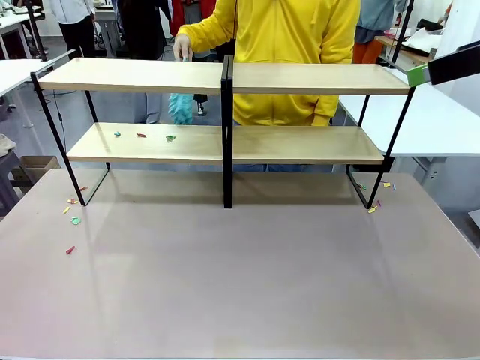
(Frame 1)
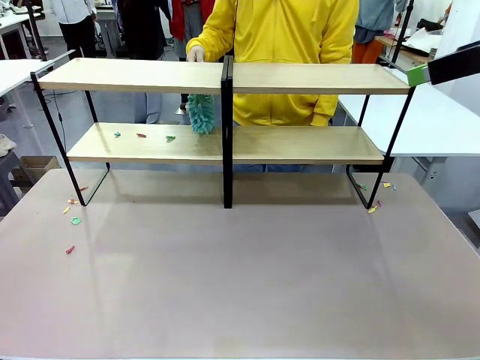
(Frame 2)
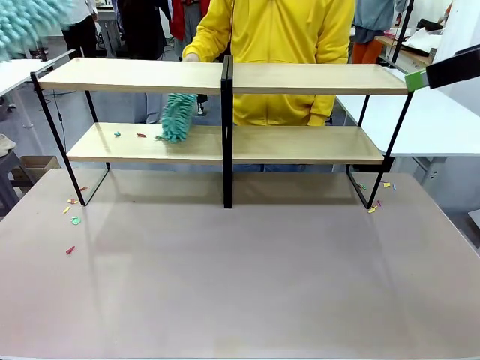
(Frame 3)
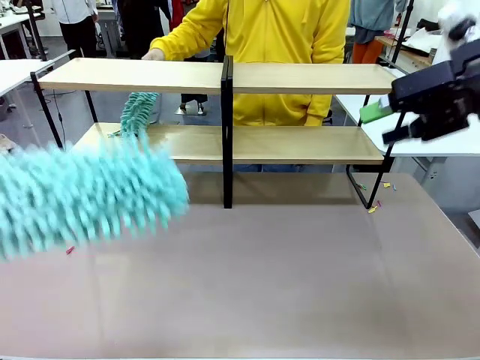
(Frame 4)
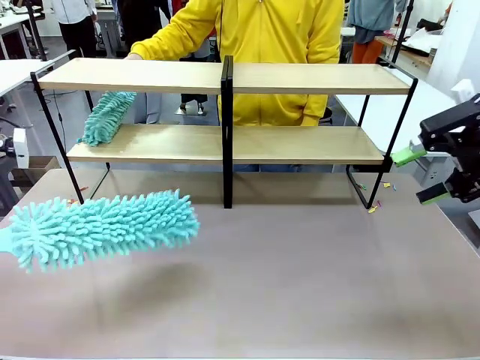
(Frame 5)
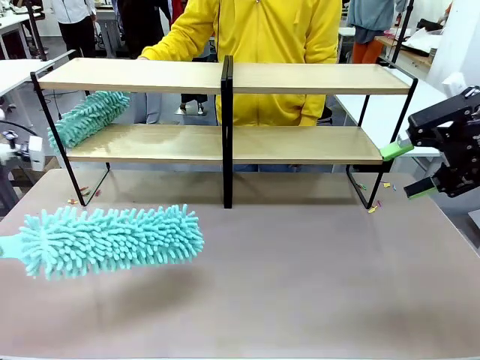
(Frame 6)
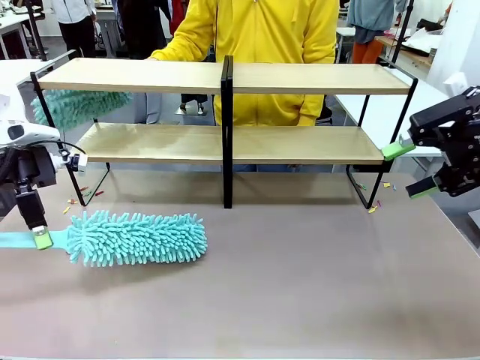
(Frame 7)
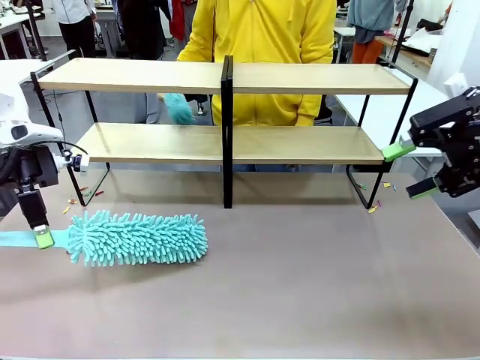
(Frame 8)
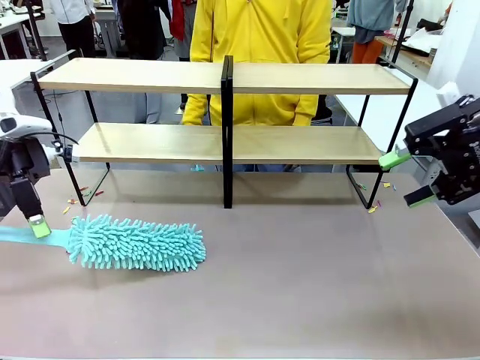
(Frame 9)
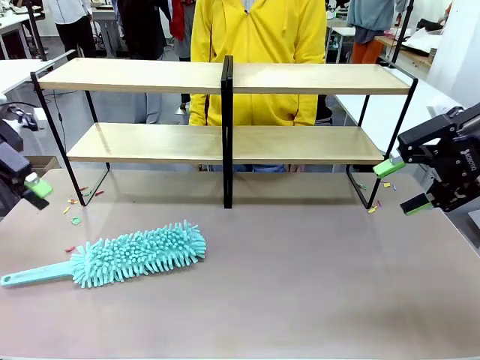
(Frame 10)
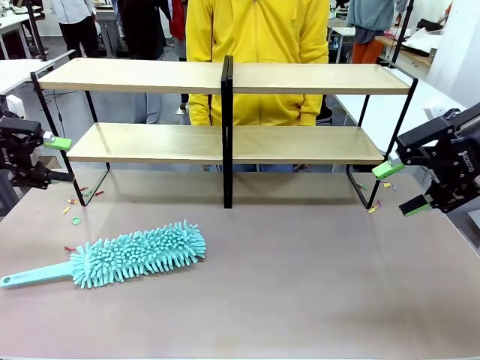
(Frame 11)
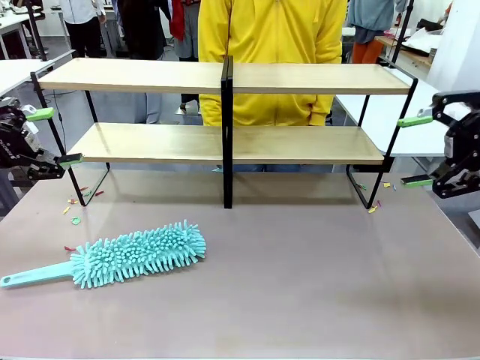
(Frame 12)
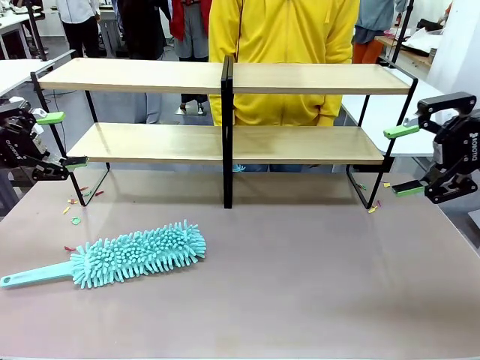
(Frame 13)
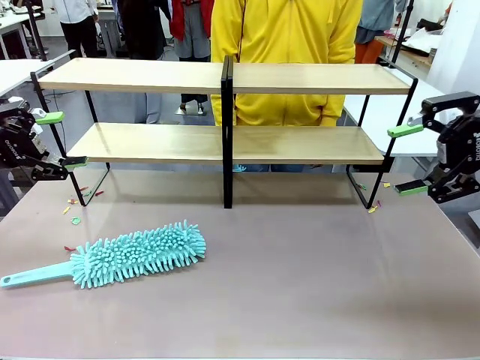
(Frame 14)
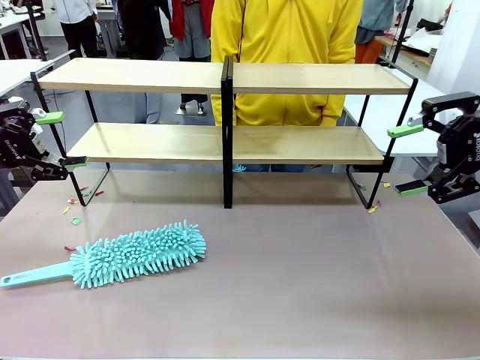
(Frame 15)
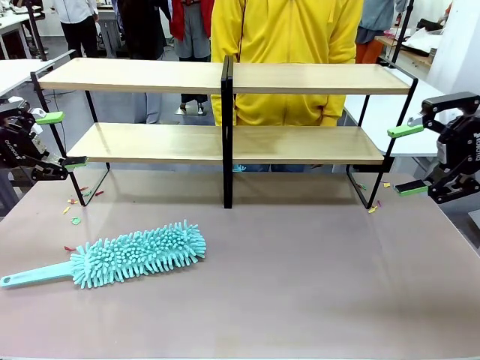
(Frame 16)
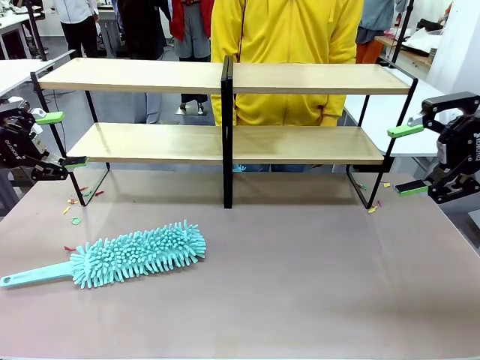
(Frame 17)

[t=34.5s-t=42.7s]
Task: Clean the shelves.
Robot: Place the Duster on the table.

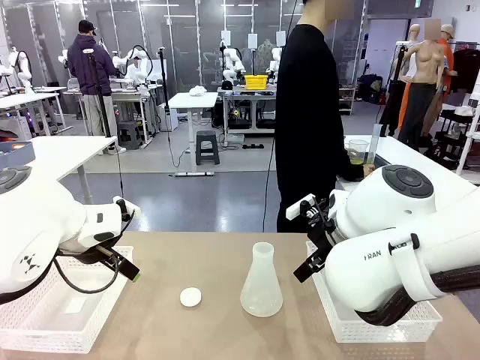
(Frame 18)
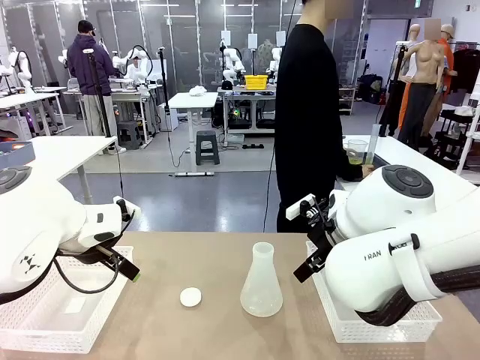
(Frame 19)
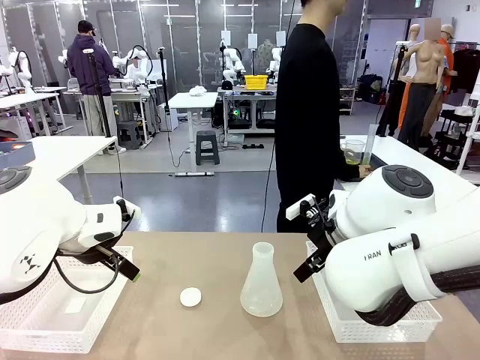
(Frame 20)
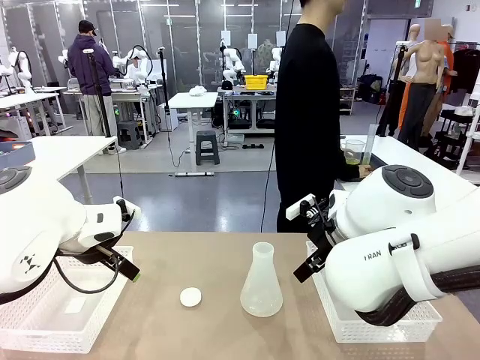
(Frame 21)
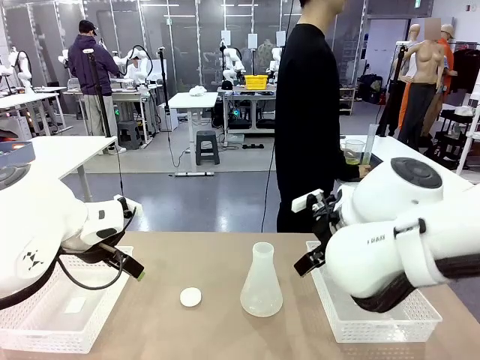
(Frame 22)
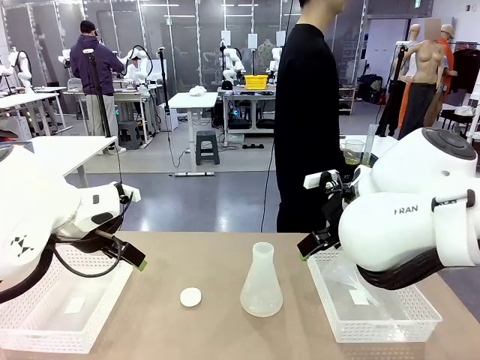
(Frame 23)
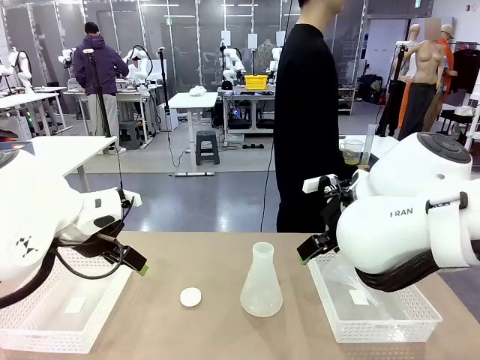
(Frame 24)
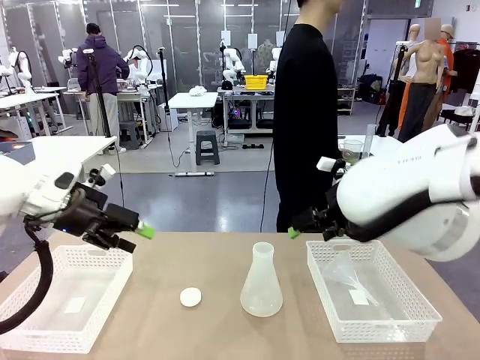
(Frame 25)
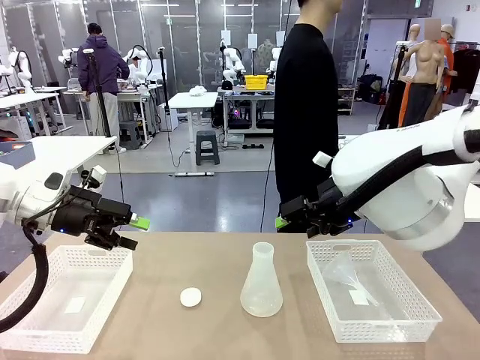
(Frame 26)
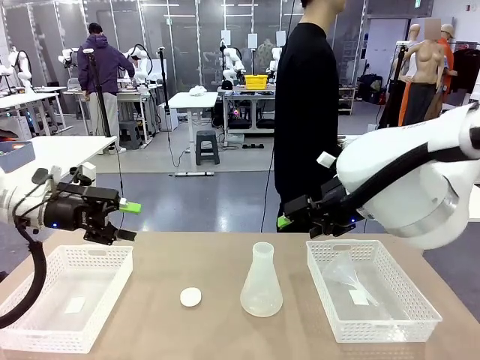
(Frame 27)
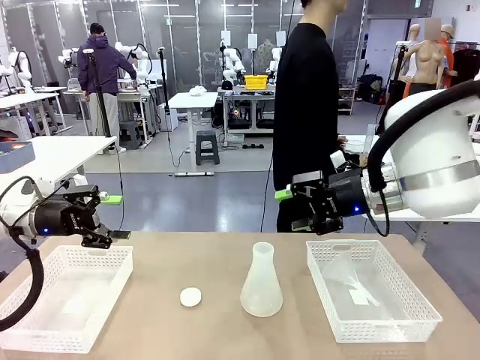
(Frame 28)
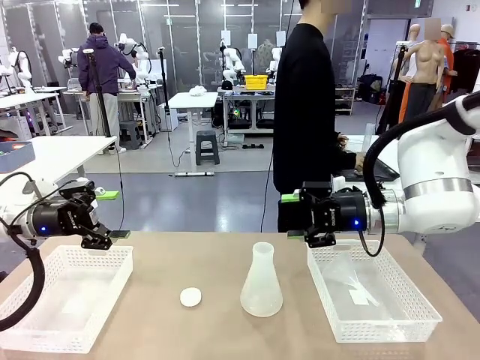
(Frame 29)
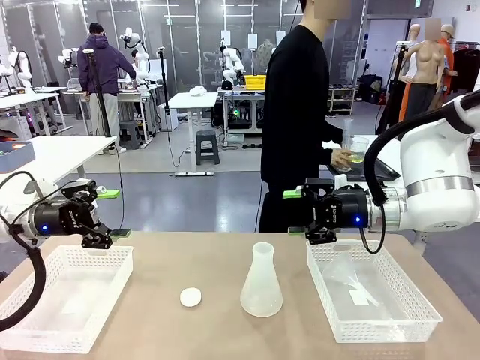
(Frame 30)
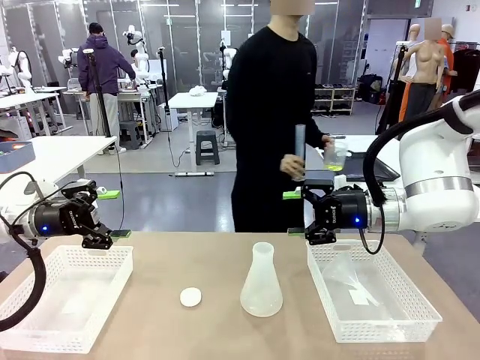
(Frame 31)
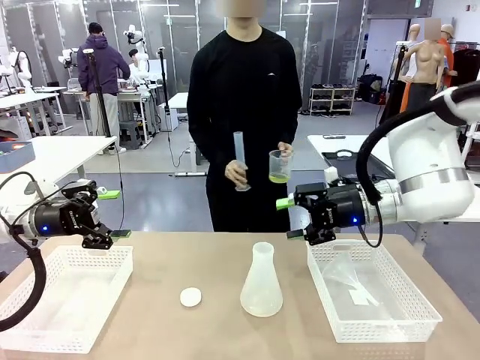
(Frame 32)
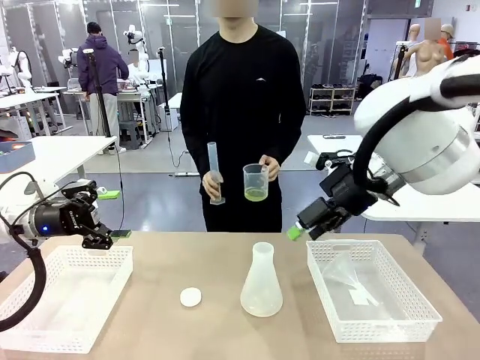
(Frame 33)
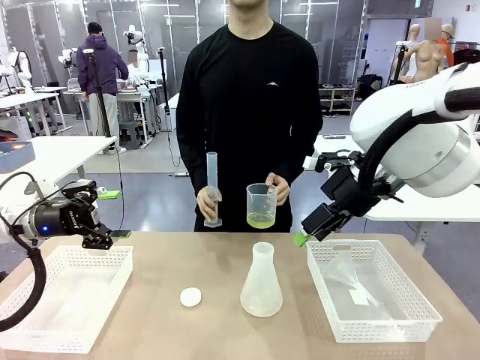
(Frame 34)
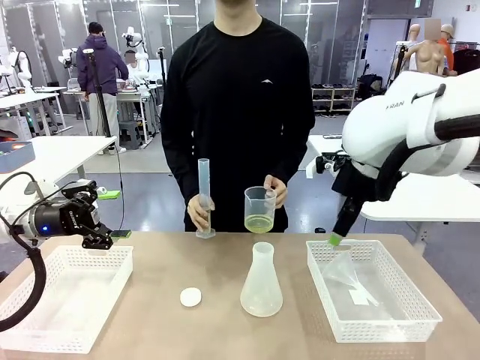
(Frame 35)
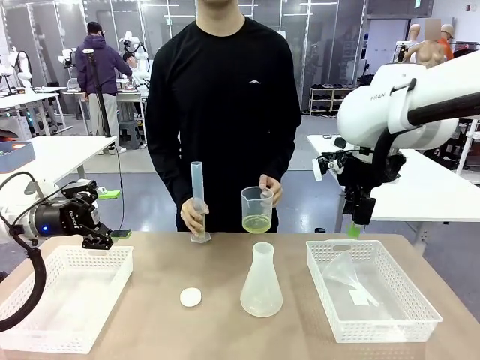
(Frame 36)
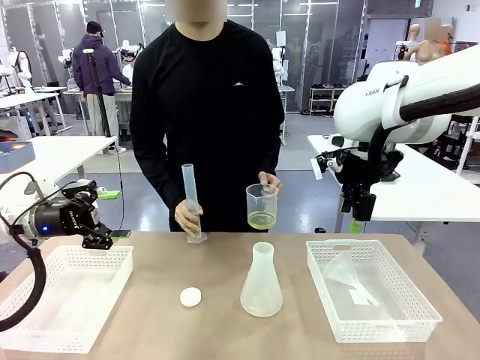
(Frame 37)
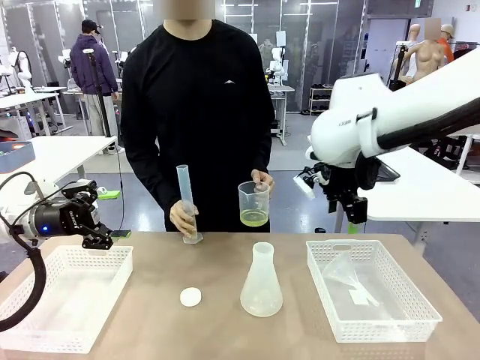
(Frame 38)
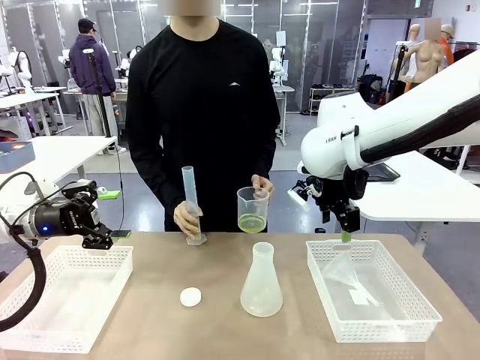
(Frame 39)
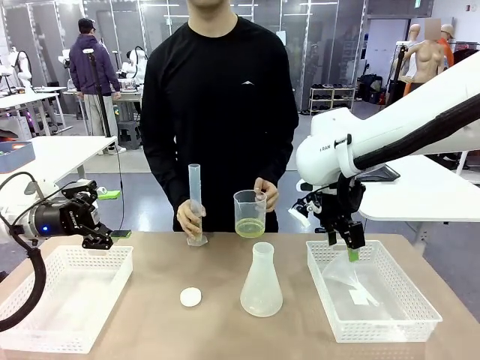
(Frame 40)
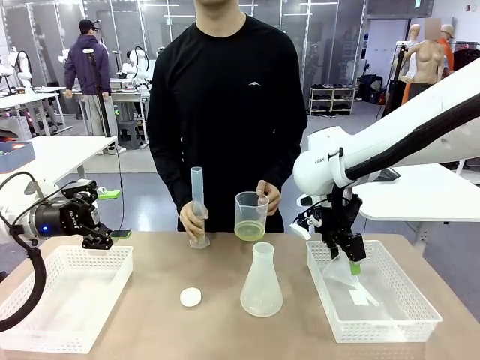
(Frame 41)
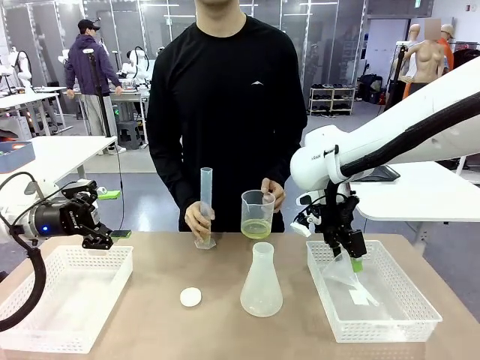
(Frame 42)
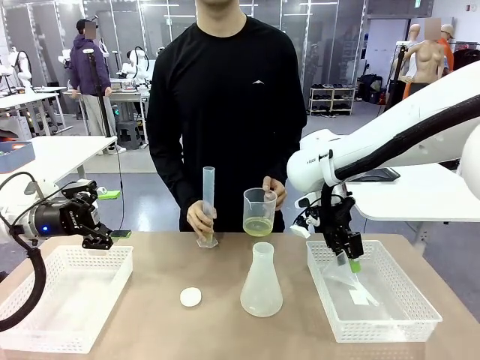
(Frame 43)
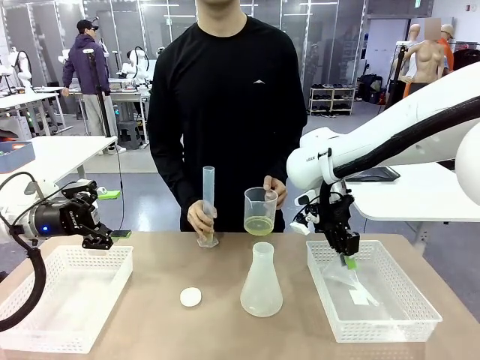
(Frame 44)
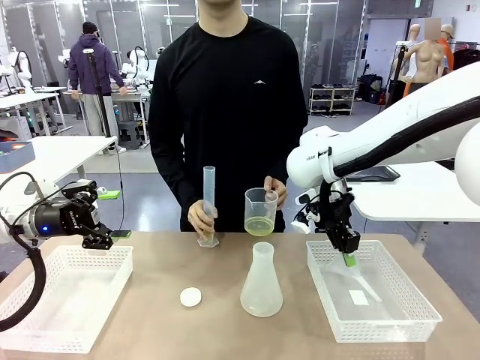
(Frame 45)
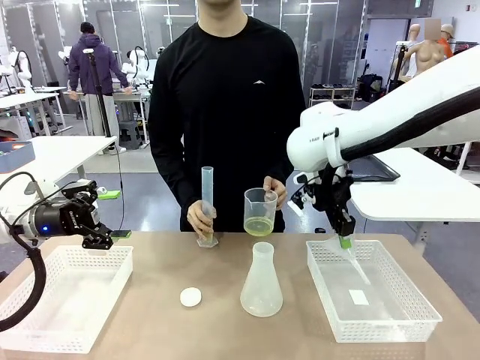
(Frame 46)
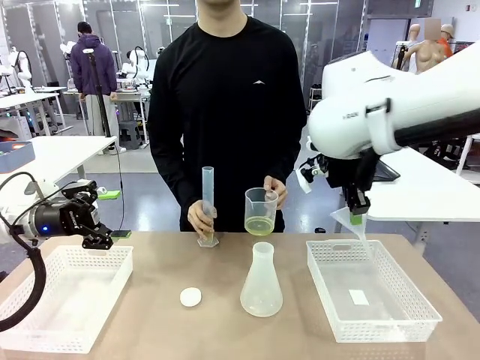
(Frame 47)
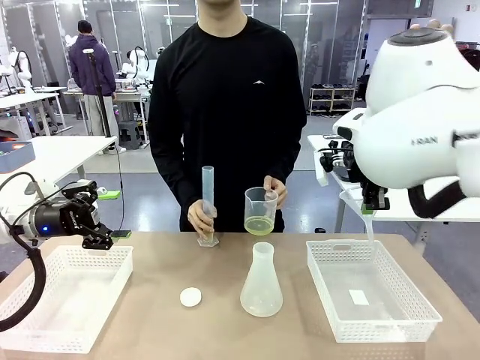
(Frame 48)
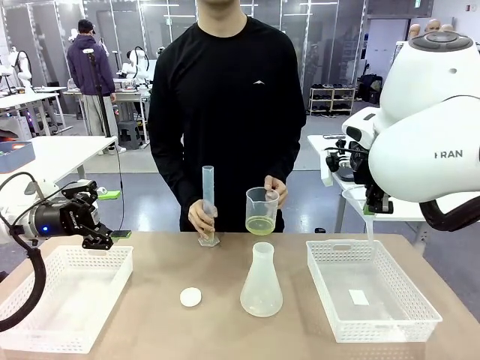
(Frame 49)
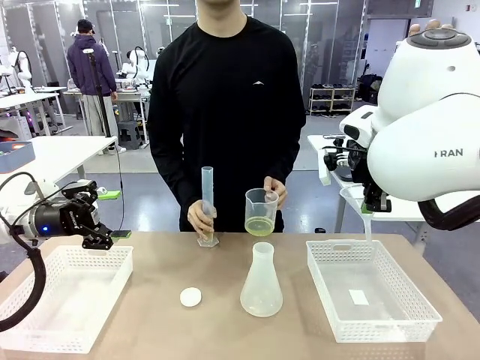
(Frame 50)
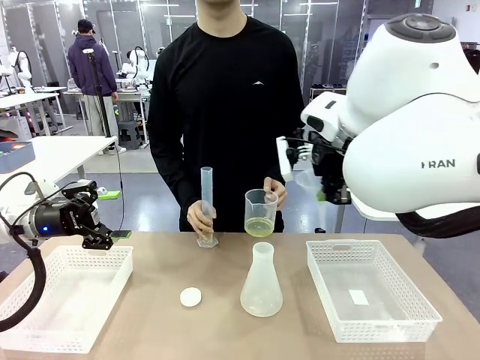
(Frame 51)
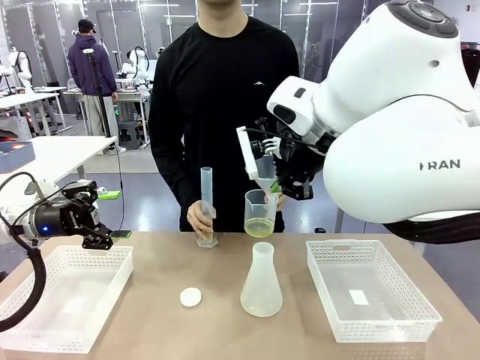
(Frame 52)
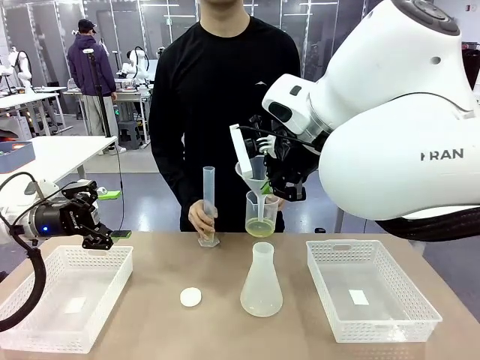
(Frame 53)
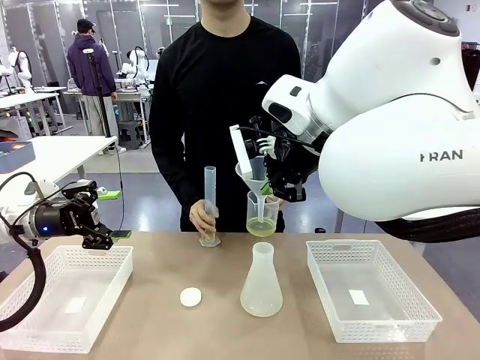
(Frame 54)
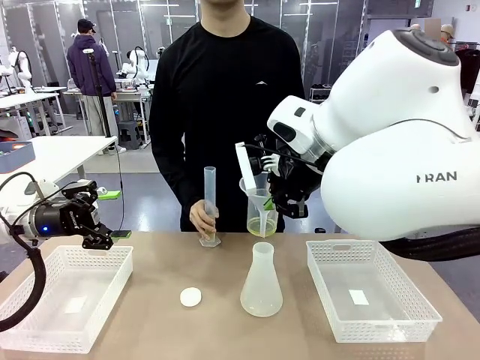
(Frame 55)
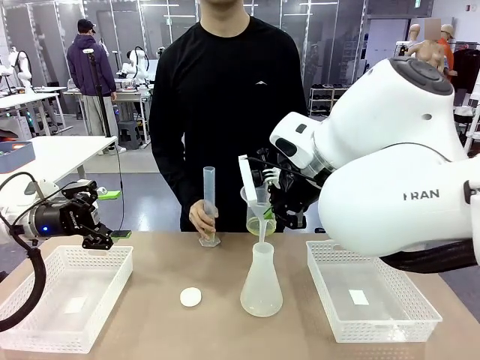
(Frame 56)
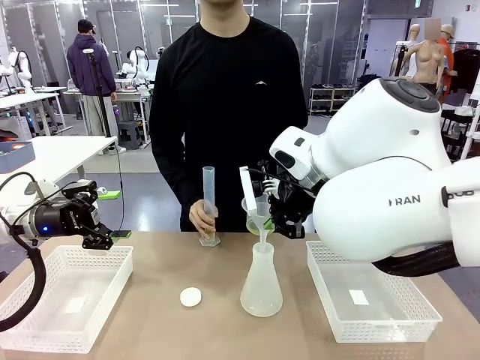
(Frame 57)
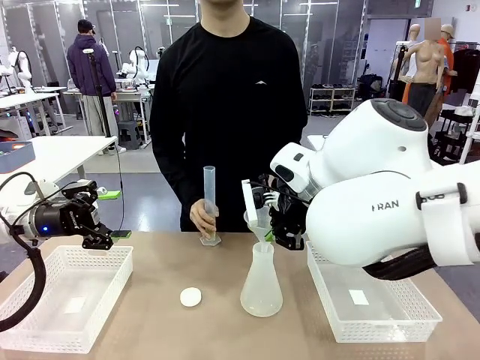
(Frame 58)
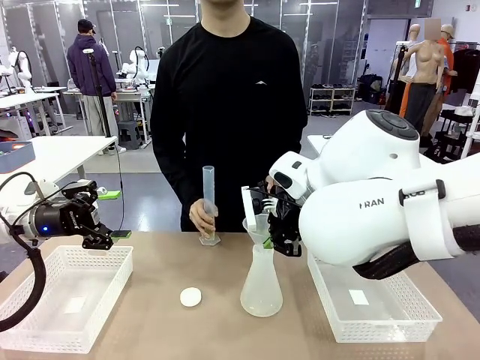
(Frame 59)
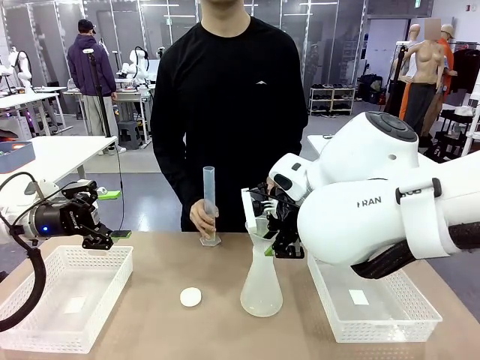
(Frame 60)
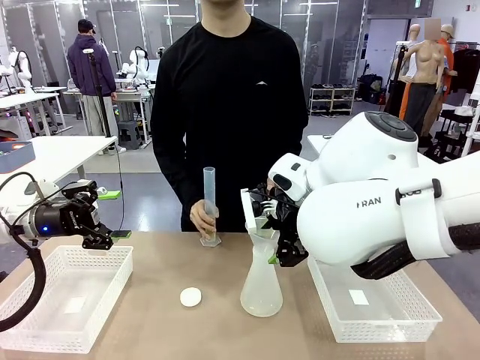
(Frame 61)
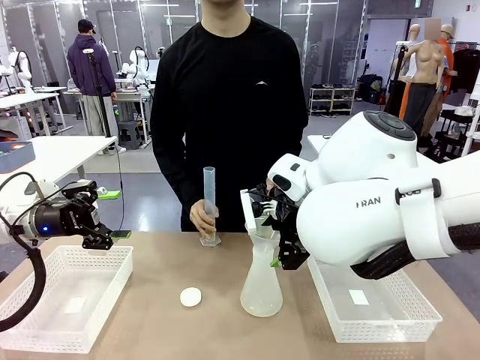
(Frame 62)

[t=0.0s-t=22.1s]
Task: Prepare the solutions needed for the experiment.
Robot: Pick up the Plastic Funnel and insert it into the Big flask.
Person: Pick up the beaker and the cylinder and move to the middle of the robot table. Pour the solution from the beaker and the cylinder into the flask.
